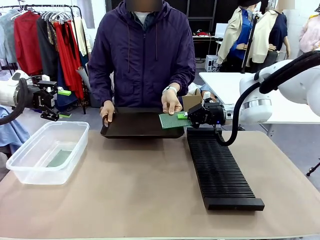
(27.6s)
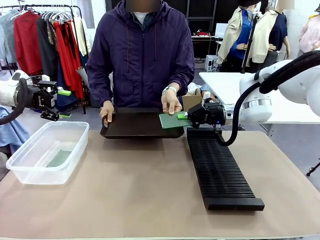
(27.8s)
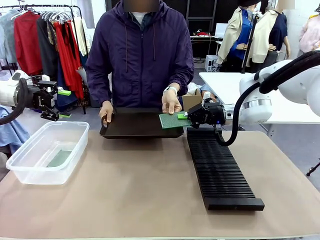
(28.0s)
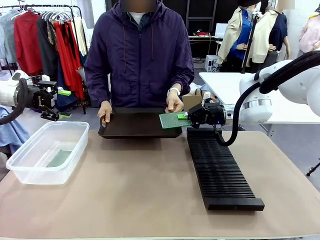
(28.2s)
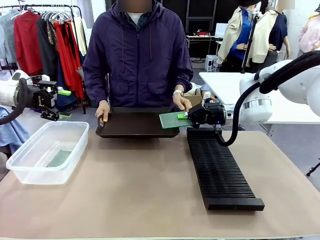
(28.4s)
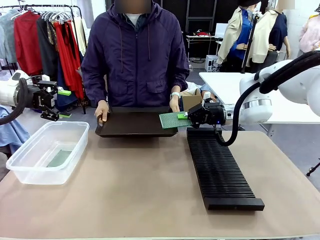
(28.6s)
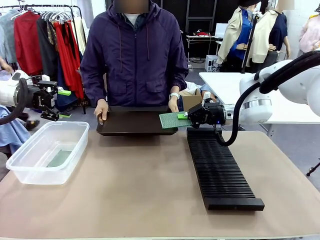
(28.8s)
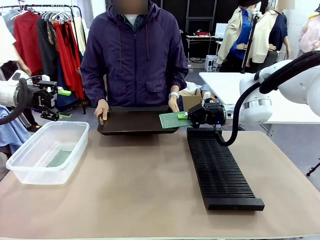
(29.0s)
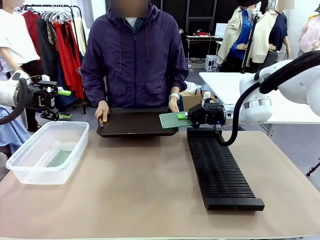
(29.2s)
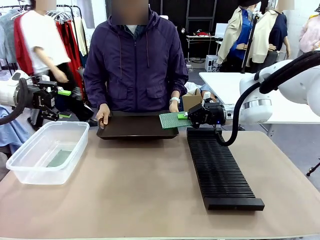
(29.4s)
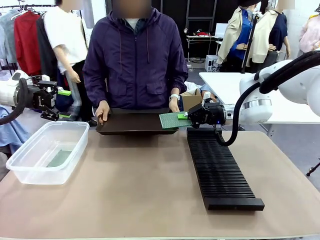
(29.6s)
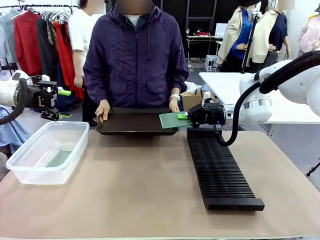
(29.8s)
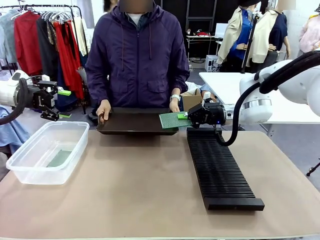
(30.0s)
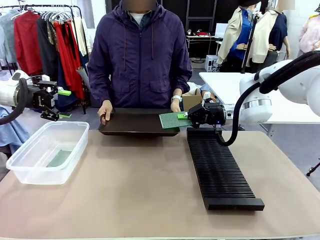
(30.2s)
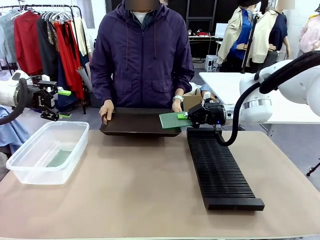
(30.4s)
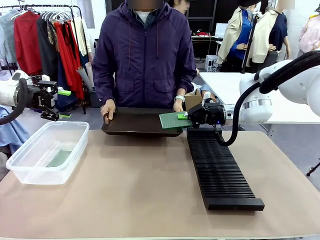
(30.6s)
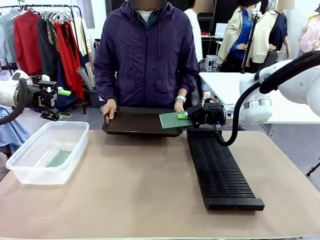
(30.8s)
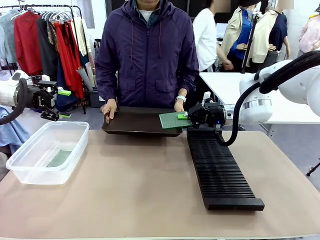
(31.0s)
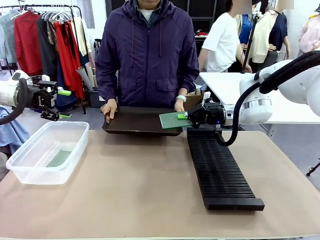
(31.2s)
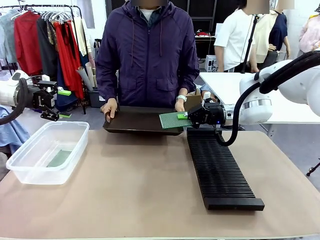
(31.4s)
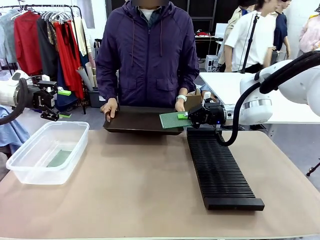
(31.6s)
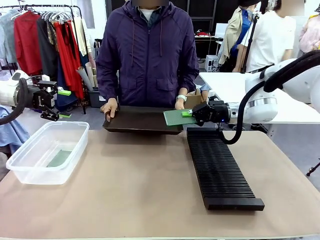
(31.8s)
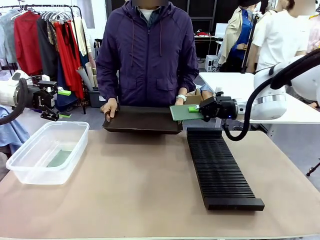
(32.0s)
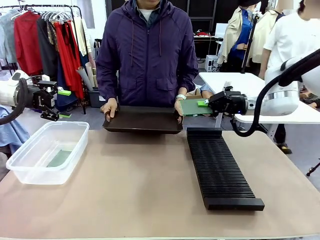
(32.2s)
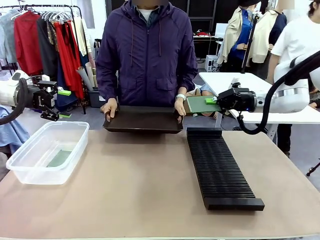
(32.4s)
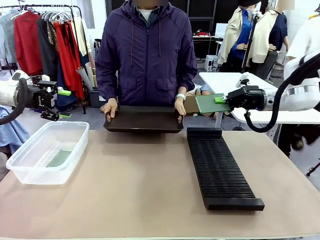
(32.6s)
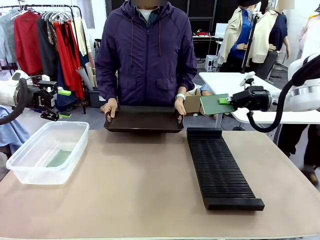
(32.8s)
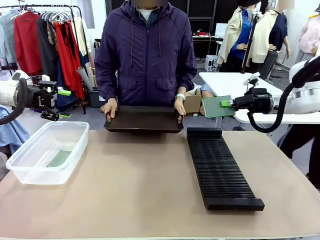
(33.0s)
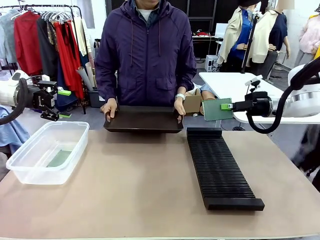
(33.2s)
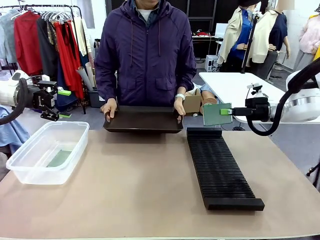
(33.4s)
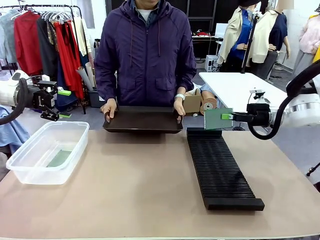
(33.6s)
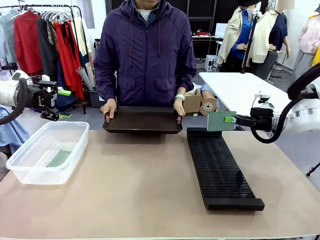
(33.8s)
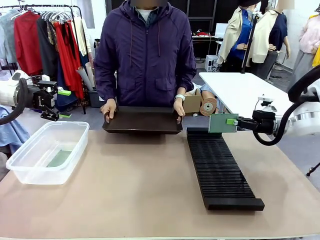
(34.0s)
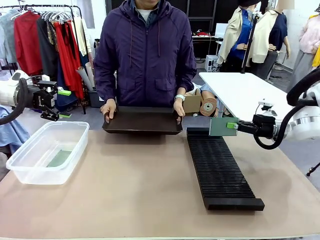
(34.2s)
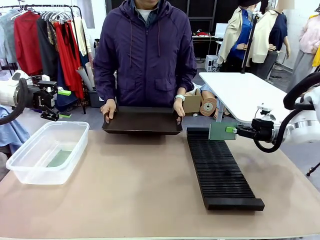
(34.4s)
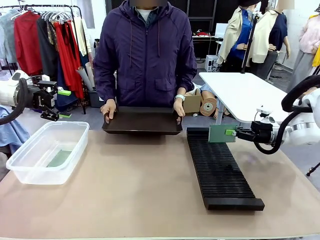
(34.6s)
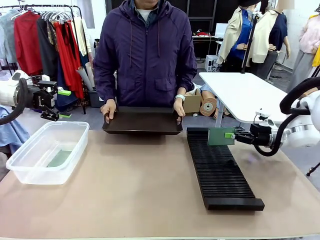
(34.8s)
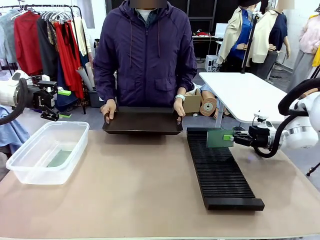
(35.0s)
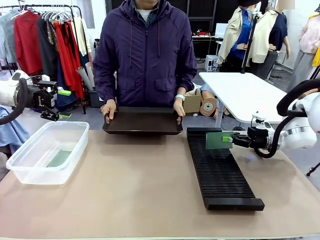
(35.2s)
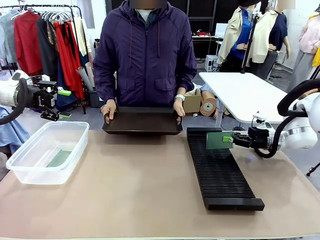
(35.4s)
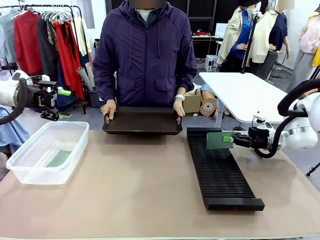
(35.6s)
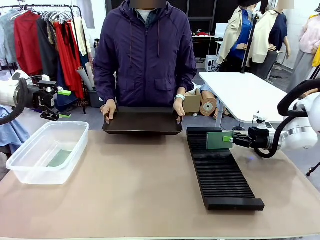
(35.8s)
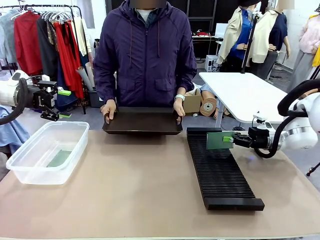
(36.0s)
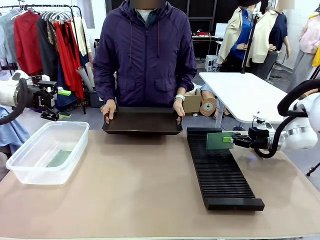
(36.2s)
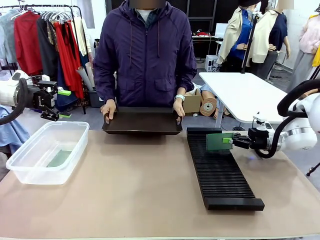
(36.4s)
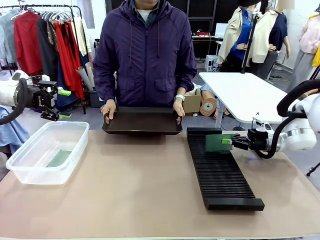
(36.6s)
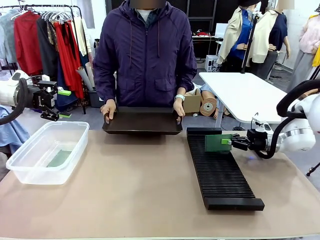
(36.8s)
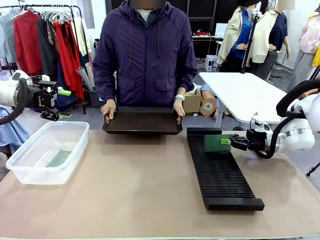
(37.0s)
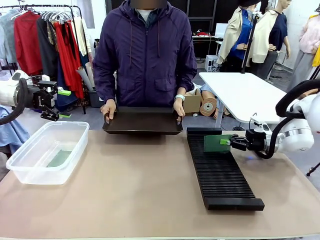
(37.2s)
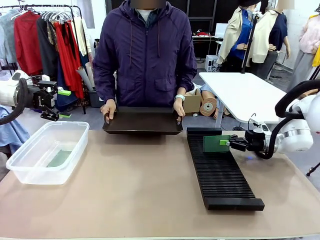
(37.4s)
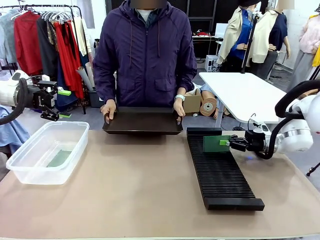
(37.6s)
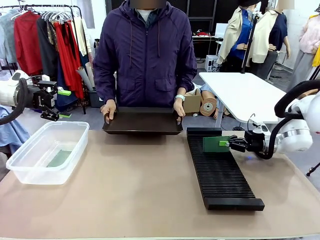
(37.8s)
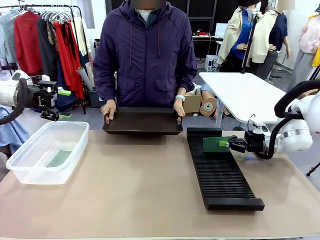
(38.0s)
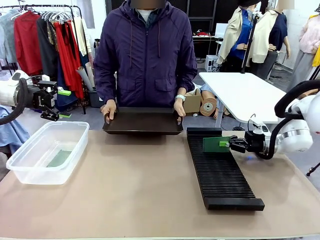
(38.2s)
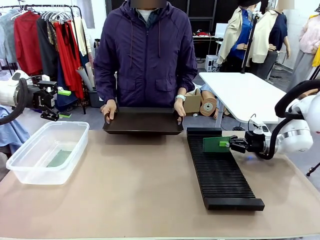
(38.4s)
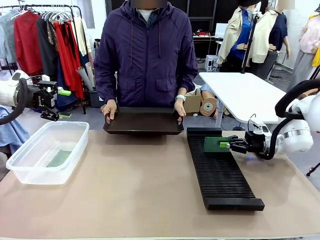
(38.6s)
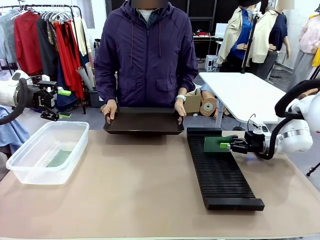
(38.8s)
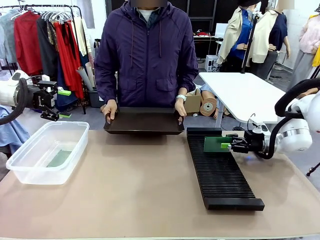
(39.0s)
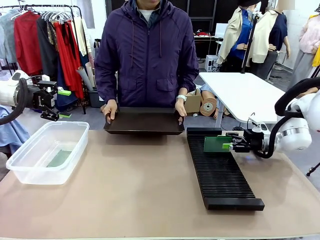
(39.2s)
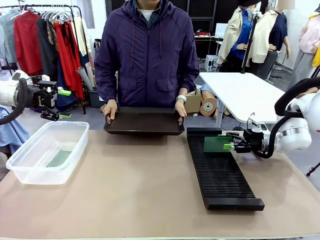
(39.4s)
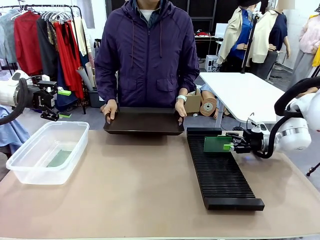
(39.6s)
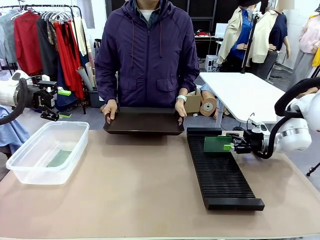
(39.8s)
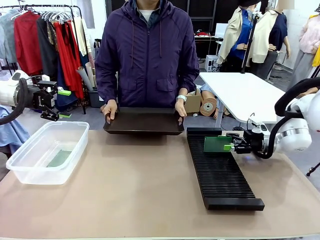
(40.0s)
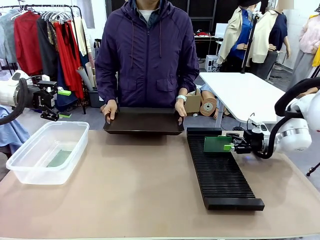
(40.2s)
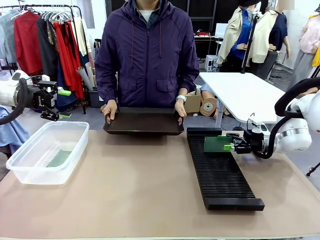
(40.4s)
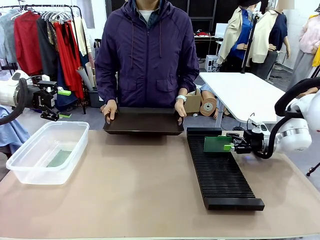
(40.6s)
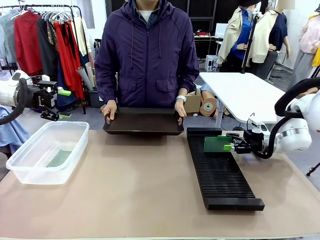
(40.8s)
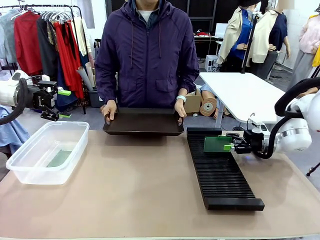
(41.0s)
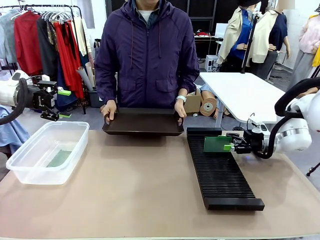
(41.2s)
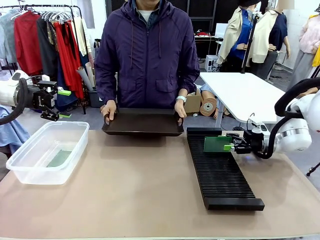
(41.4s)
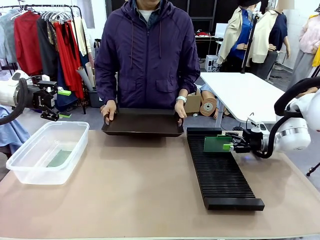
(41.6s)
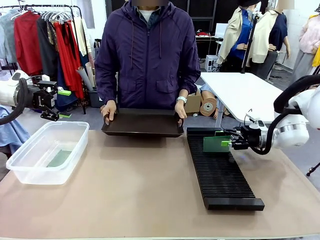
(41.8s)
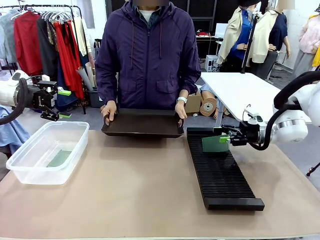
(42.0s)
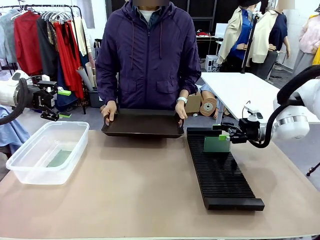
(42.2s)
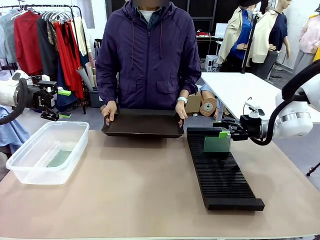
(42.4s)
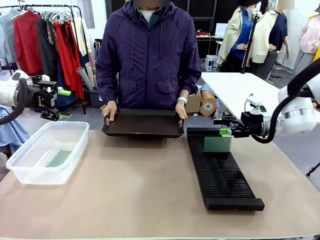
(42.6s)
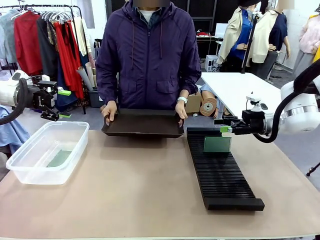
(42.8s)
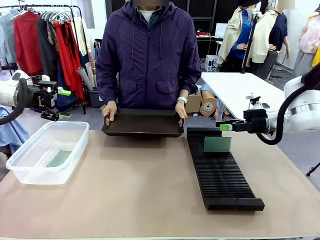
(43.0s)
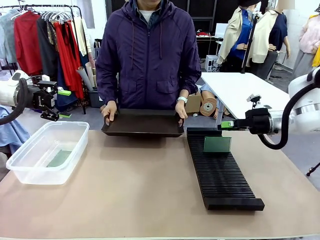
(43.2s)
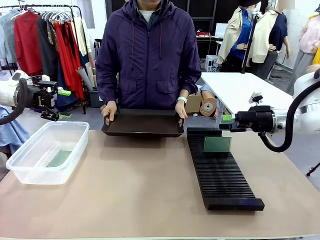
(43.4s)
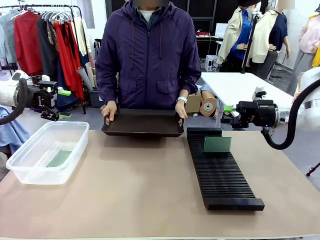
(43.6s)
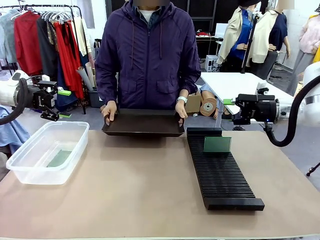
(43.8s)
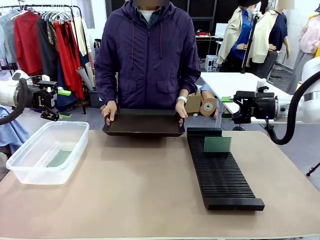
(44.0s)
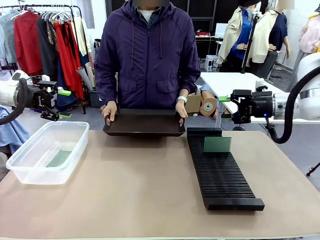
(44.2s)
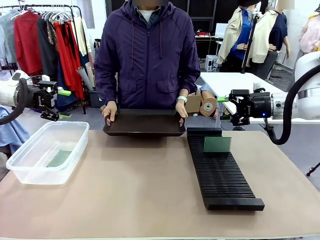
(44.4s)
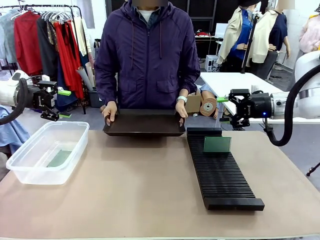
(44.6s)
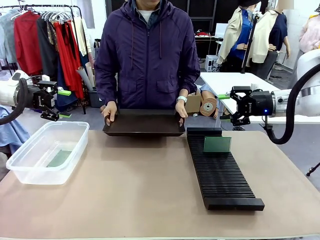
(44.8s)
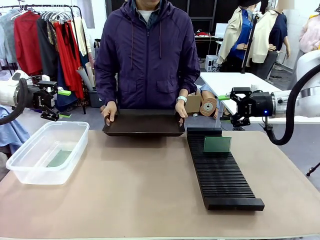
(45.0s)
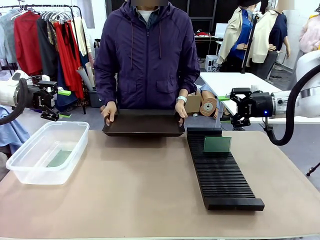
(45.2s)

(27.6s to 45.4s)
Task: Sort PCBs into racks and boxes based on the side picked up.
Robot: If the short side of the Blank PCB is picked up, insert it into the PCB Rack ; if the long side is picked up, place it in the Organizing box.
Person: Release the PCB being held.

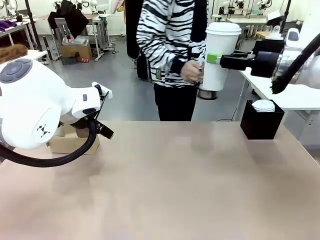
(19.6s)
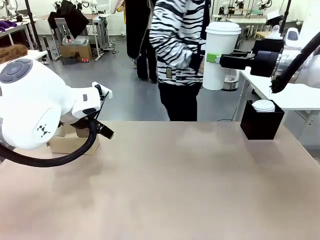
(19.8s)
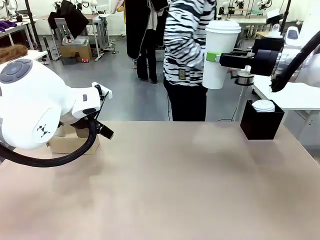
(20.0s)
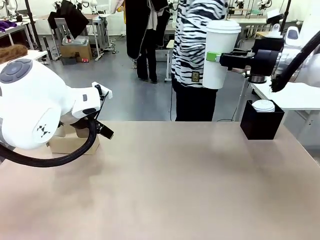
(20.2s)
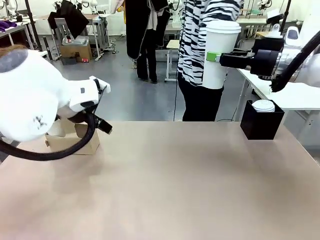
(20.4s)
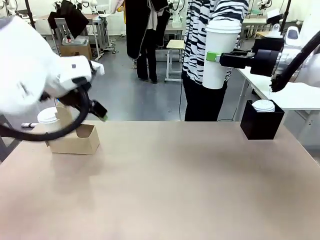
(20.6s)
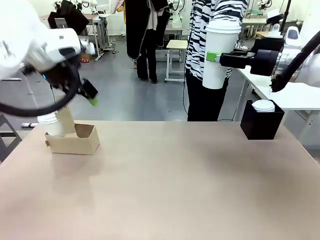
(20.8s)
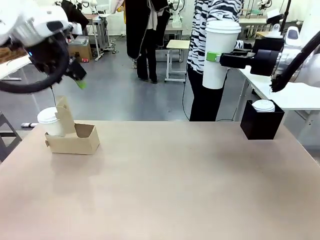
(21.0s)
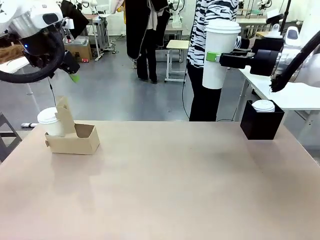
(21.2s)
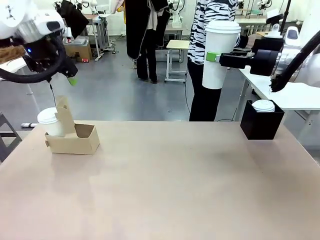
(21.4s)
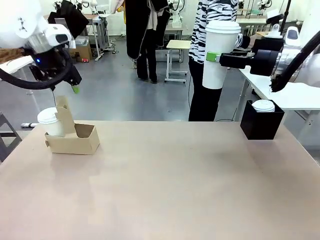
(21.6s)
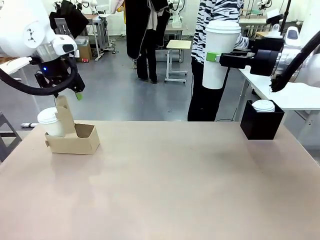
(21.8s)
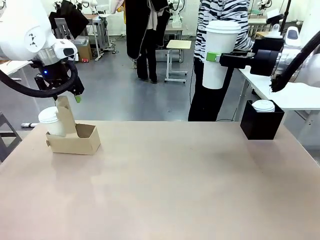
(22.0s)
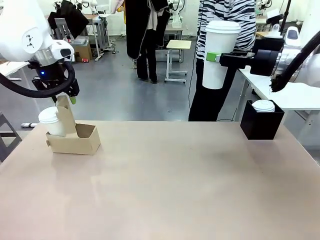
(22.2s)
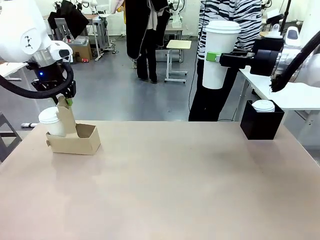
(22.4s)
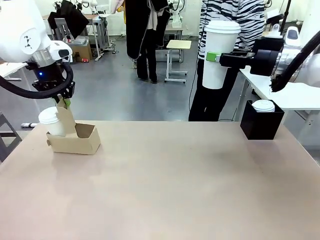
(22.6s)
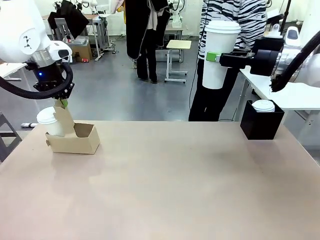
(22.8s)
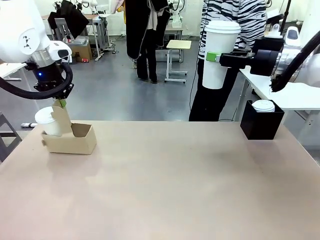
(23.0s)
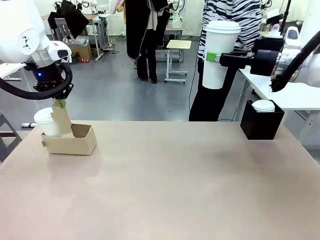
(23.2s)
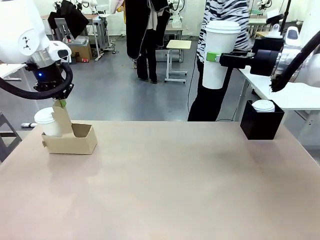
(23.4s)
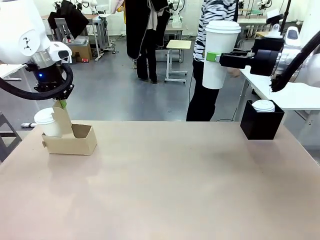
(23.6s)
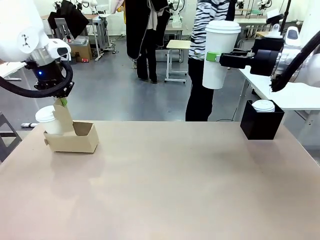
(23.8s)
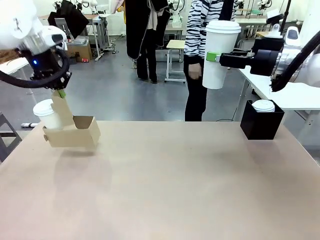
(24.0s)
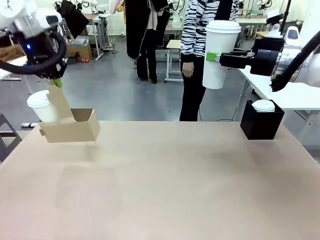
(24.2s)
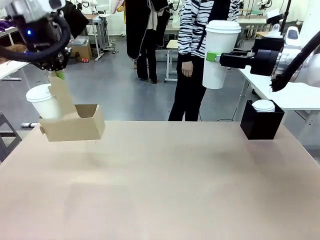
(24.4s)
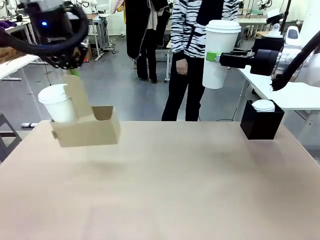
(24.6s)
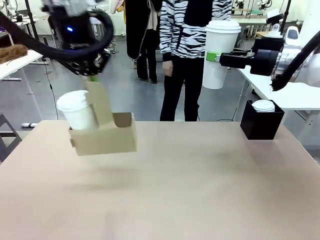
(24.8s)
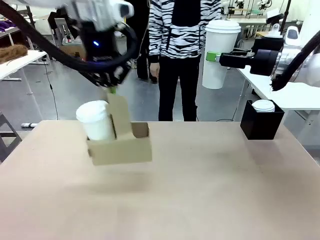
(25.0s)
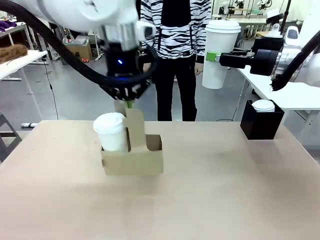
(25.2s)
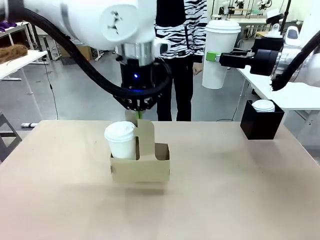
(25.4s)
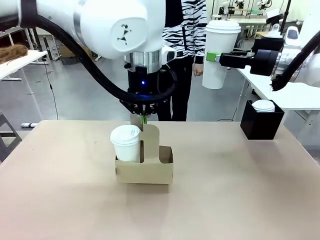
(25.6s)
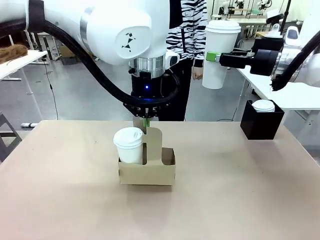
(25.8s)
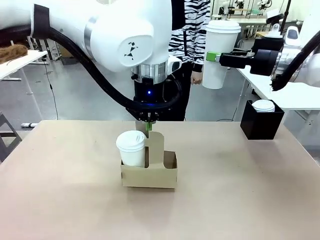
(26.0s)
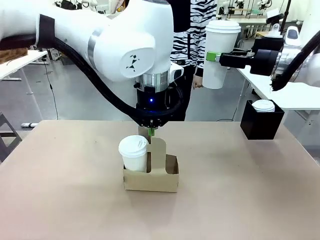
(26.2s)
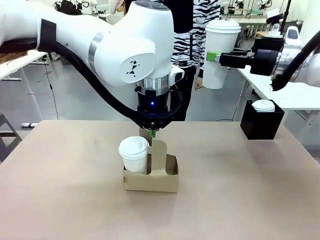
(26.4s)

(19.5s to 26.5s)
Task: Pour a drink into a cup and package it in a carrier.
Robot: Position the Cup Carrier in the center of the table.
Person: Pick up the Filter Brewing and place on the middle of Human table, and return to the Robot table.
